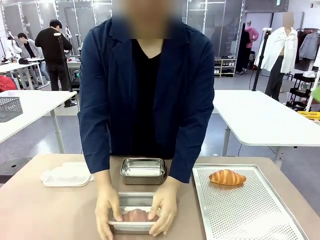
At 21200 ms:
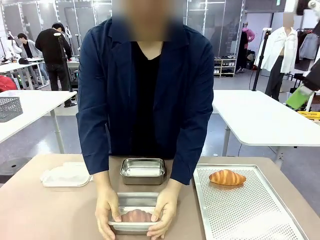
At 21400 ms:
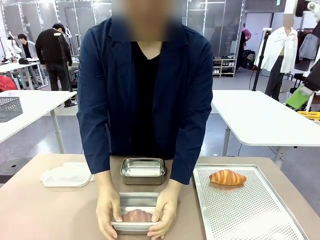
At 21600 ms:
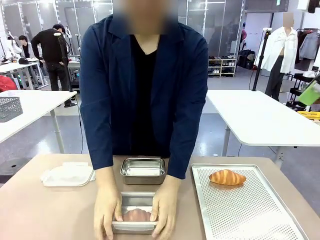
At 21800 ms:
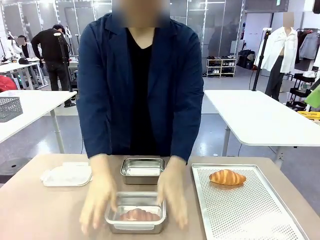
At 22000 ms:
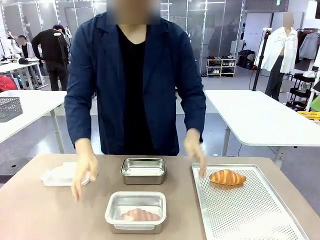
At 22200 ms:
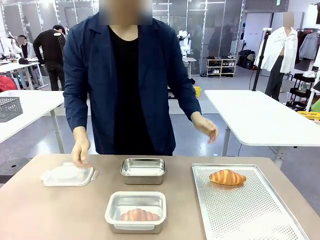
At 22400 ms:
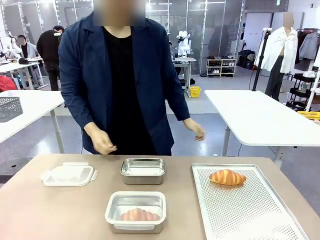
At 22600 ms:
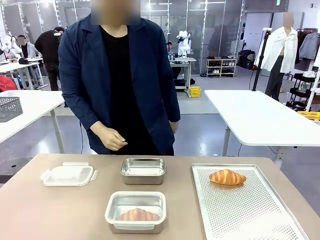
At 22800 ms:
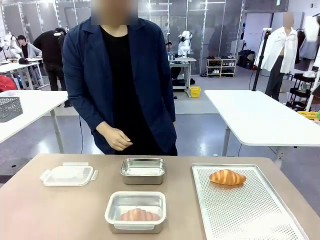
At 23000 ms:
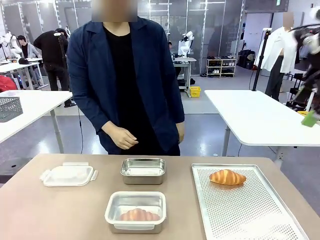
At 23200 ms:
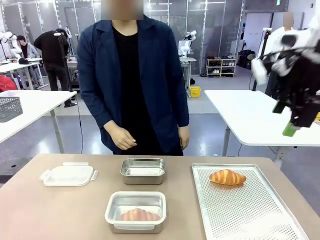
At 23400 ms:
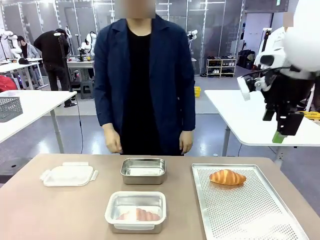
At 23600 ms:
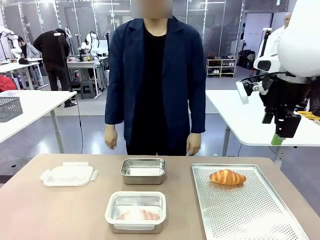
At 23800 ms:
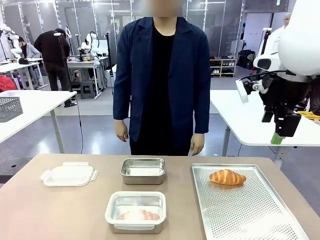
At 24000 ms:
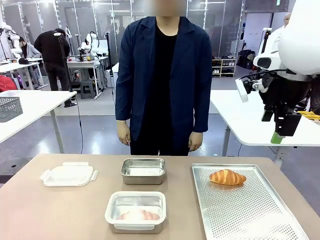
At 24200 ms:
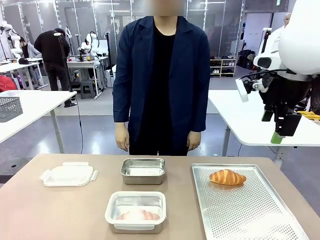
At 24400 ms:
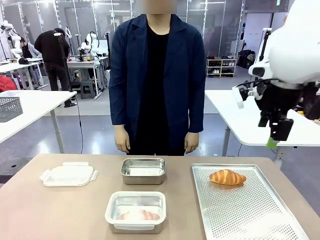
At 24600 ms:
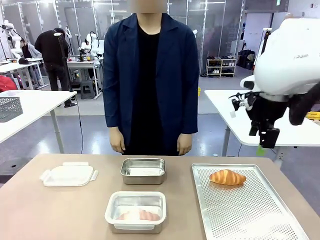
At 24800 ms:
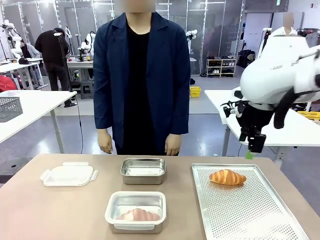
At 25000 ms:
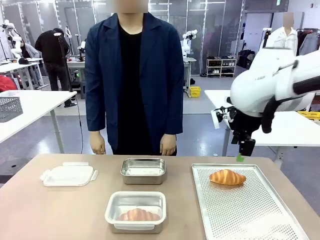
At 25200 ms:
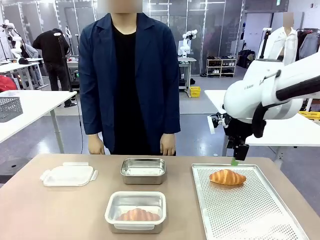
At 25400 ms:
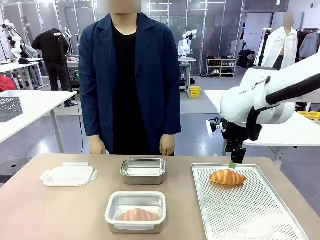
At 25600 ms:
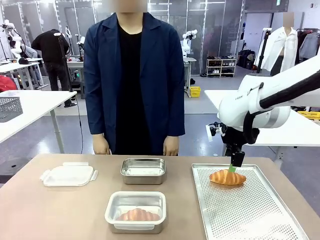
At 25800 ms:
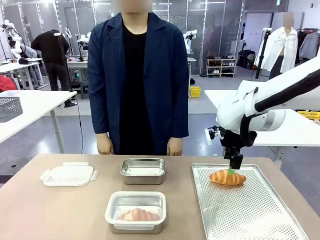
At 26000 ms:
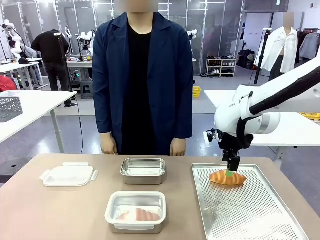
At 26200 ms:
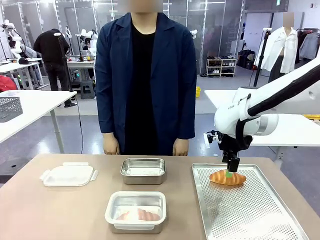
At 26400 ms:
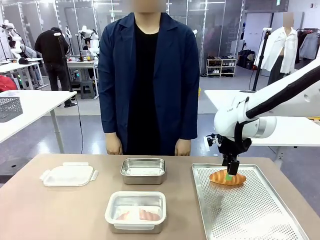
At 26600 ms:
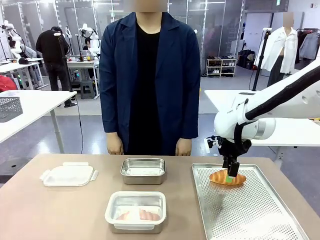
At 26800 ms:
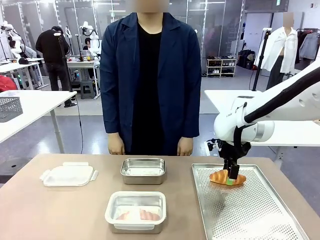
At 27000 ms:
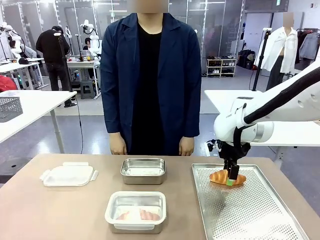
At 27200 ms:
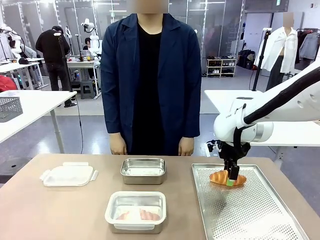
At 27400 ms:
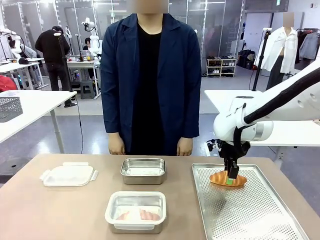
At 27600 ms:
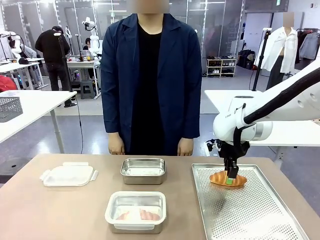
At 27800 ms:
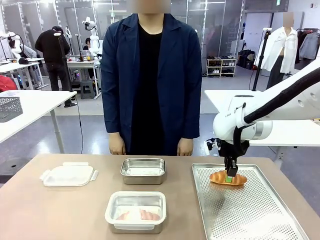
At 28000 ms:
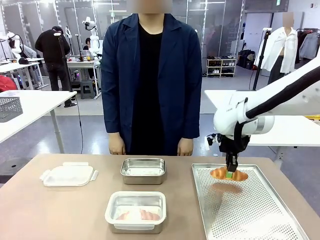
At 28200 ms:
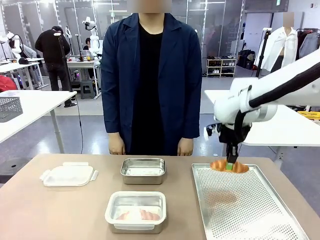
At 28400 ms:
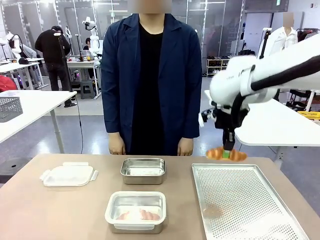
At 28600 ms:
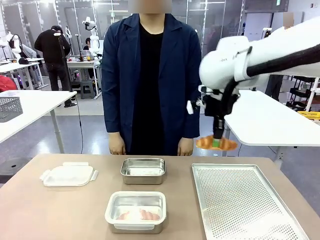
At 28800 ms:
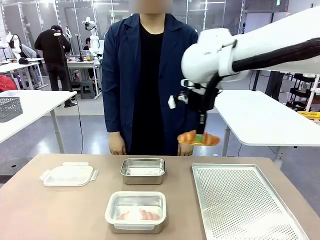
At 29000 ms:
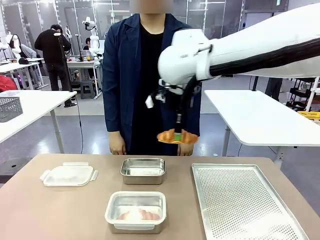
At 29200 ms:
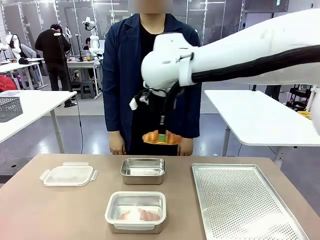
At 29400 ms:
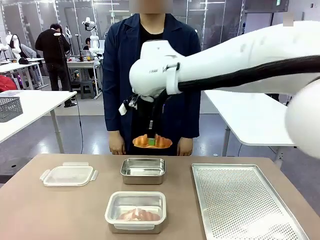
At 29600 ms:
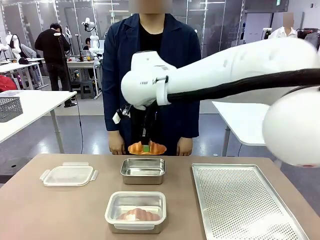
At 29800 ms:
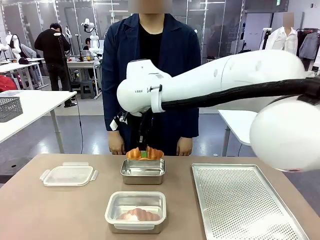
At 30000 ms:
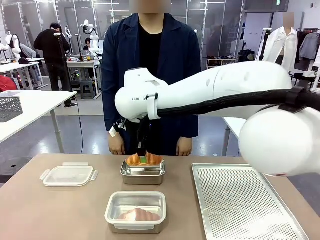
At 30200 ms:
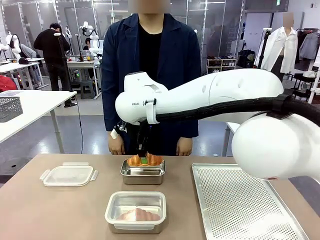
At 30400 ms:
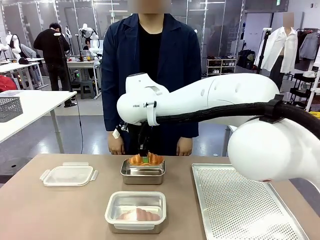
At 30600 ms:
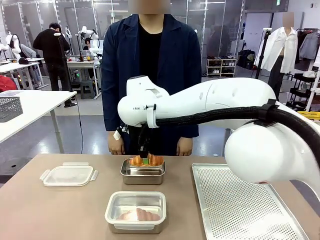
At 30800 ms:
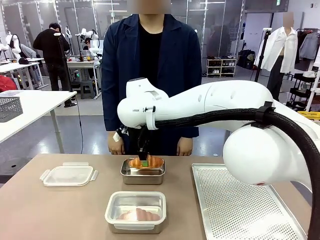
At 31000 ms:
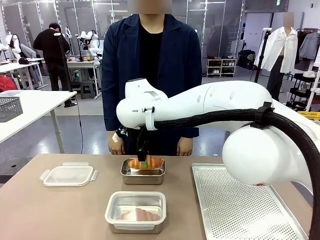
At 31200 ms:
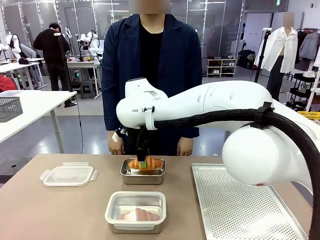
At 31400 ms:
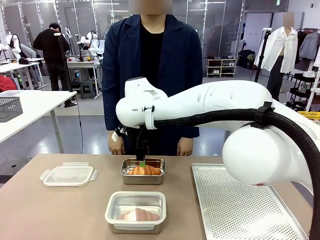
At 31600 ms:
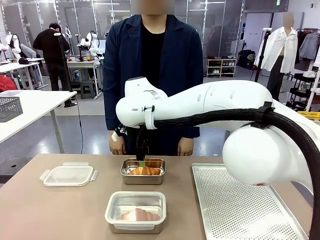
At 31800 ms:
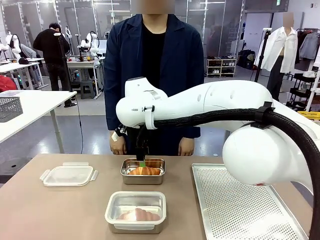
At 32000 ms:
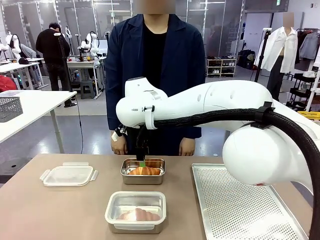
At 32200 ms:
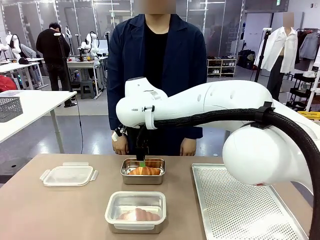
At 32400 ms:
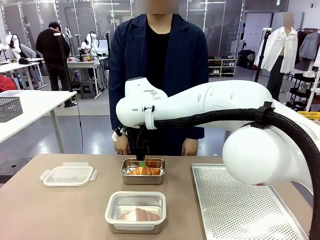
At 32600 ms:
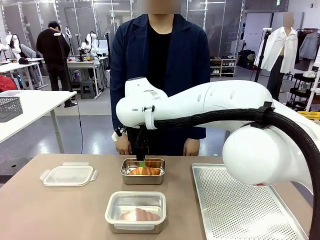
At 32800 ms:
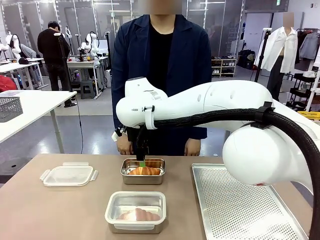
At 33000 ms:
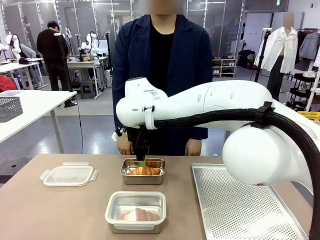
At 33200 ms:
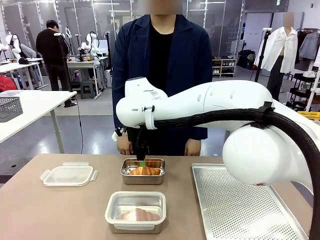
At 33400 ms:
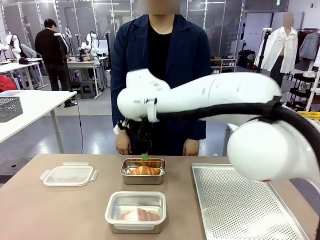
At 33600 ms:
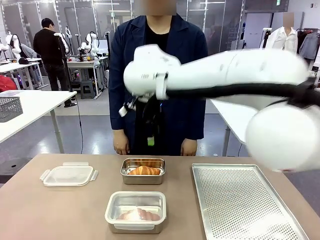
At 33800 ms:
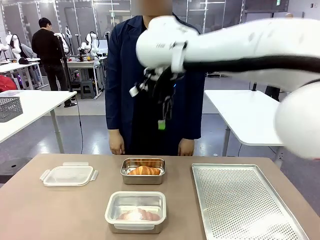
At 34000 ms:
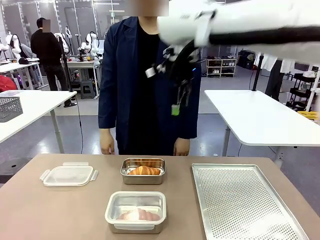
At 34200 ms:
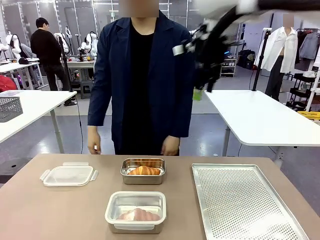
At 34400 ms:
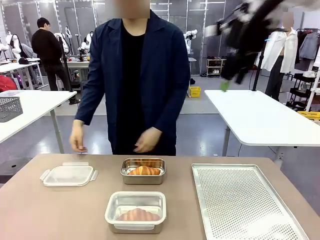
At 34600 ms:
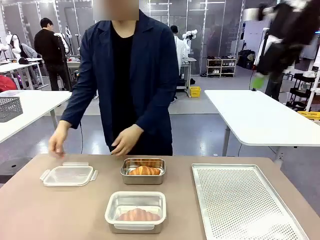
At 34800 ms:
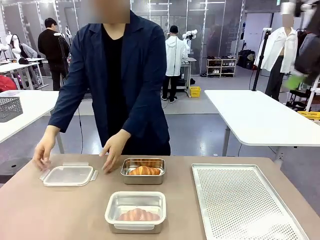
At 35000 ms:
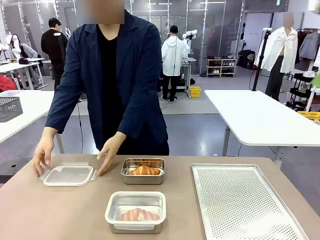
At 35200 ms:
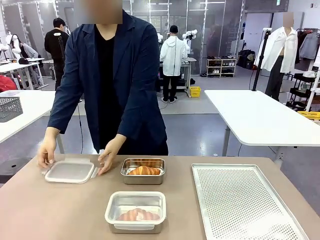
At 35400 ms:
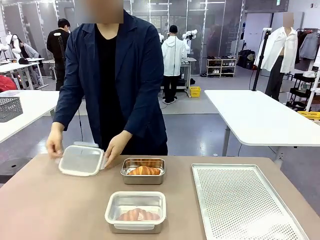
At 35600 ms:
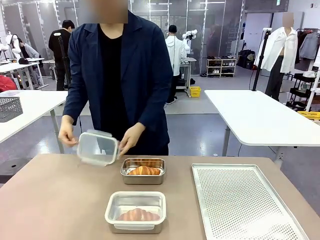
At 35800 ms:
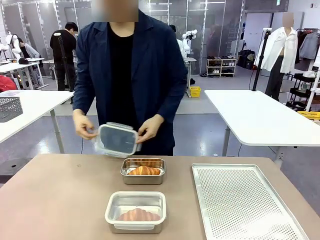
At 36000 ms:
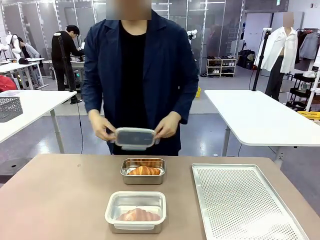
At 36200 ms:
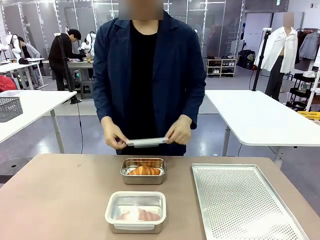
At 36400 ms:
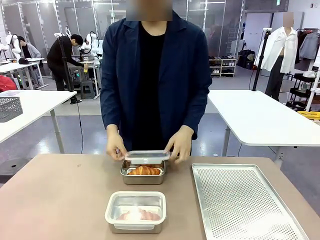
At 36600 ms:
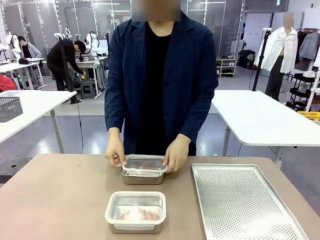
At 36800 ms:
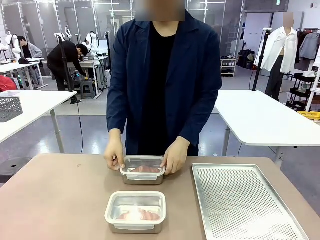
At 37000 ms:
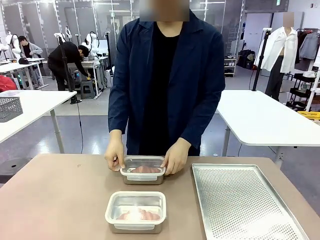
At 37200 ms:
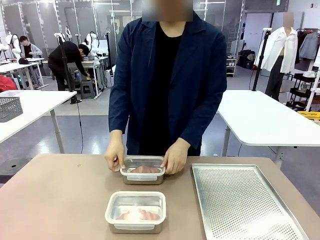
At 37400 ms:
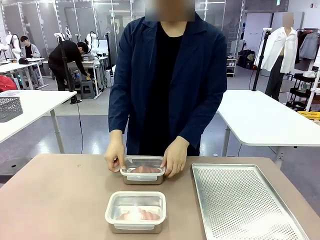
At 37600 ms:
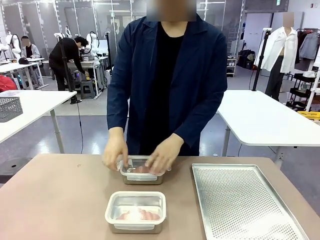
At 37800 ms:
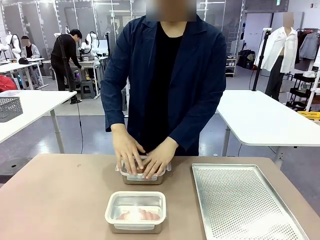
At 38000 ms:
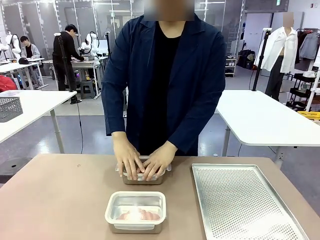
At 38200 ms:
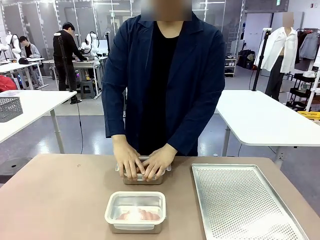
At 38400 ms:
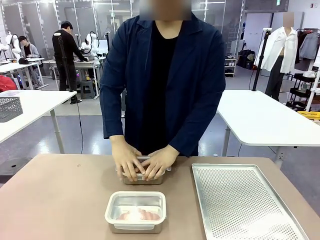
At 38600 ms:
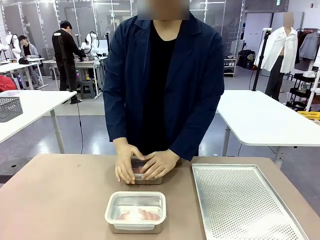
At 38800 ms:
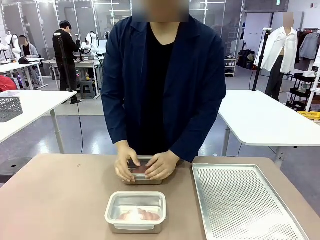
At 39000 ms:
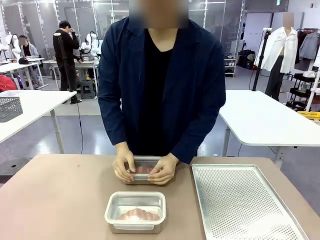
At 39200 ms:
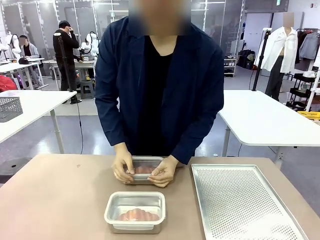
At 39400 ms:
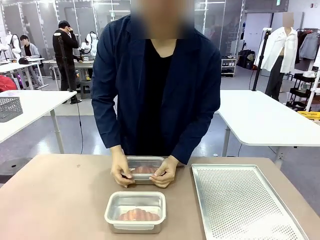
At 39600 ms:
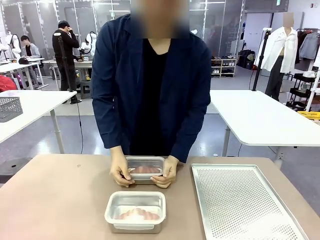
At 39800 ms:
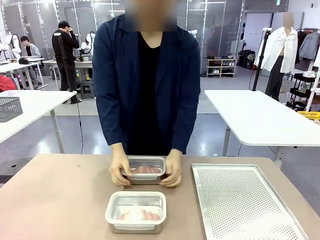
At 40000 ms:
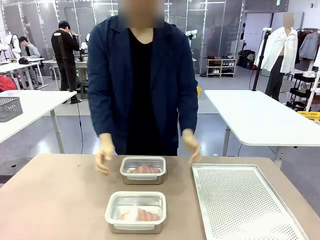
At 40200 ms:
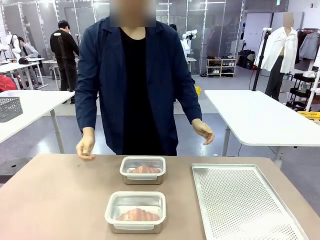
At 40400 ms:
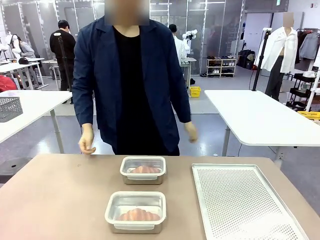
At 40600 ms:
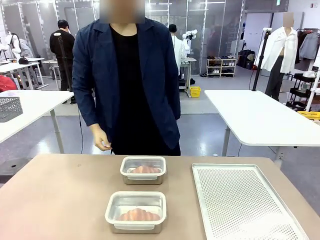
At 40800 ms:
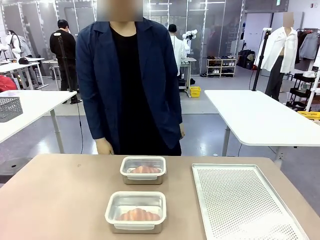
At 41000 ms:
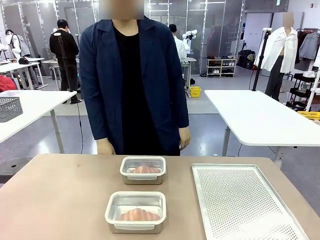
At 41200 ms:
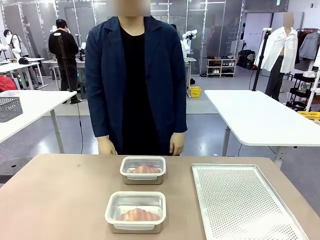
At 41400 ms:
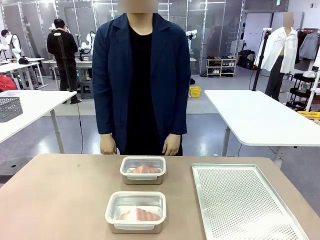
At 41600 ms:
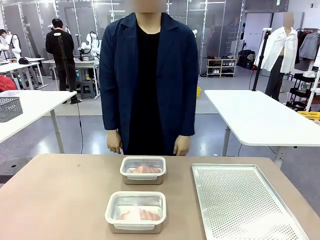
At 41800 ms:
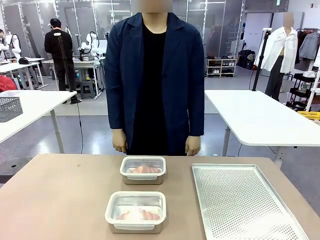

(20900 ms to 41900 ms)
Task: Place the bread into the airtight container.
Robot: Pick up a Butter Roll and place it into an empty Airtight Container.
Person: Once a Butter Roll is inside an Airtight Container , close the lid of that Airtight Container.
